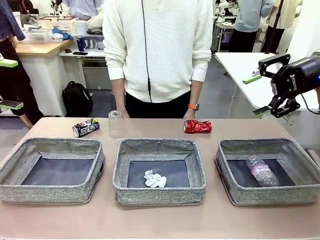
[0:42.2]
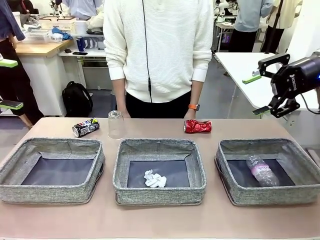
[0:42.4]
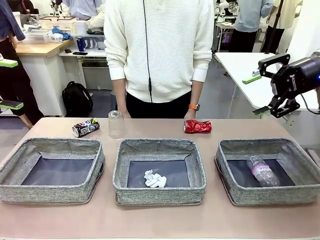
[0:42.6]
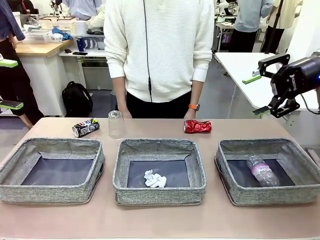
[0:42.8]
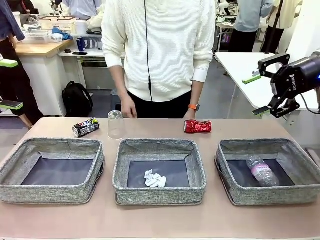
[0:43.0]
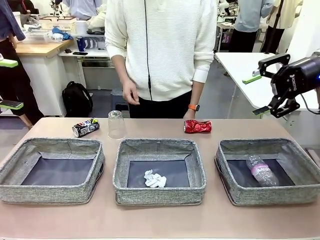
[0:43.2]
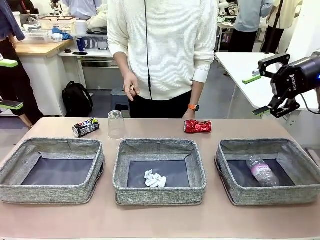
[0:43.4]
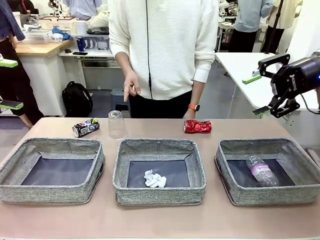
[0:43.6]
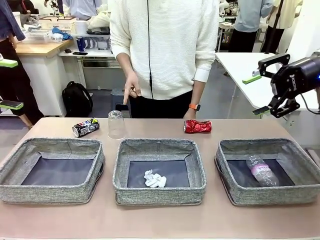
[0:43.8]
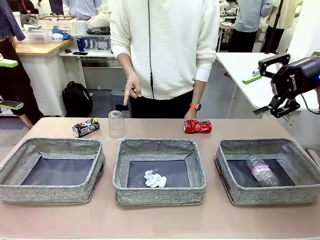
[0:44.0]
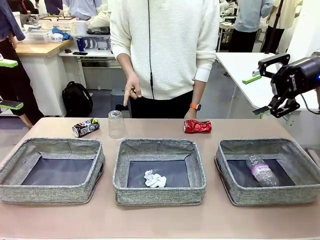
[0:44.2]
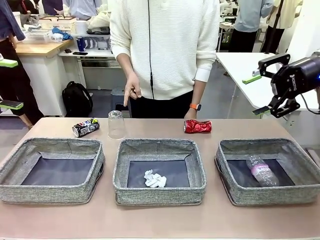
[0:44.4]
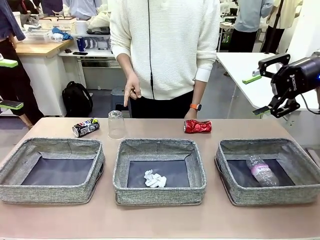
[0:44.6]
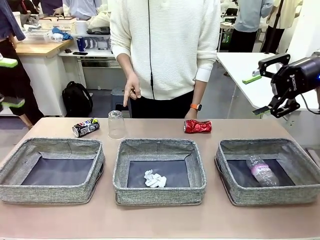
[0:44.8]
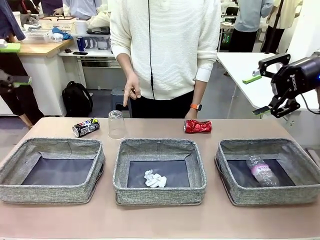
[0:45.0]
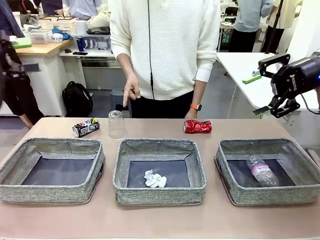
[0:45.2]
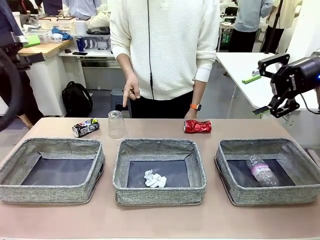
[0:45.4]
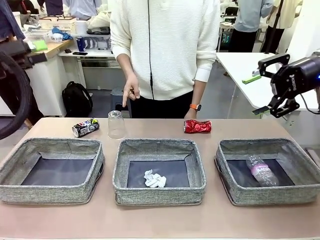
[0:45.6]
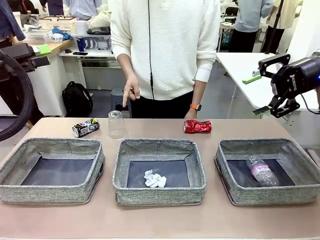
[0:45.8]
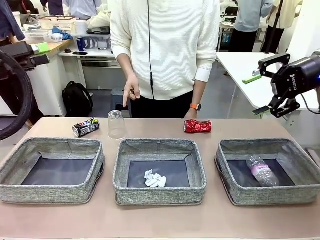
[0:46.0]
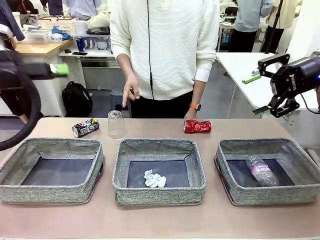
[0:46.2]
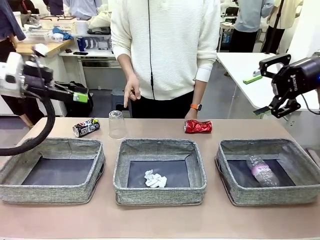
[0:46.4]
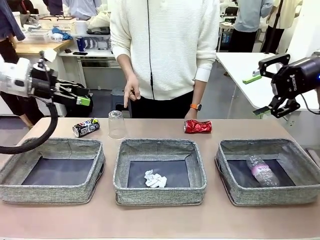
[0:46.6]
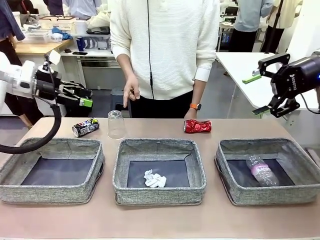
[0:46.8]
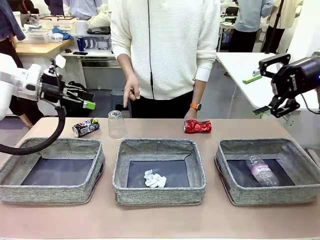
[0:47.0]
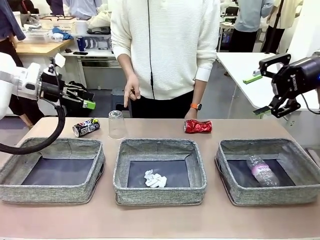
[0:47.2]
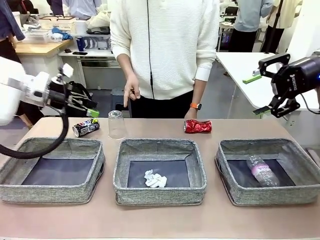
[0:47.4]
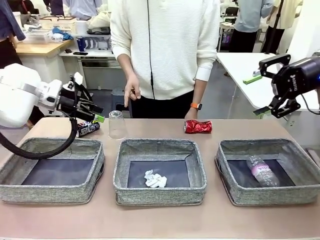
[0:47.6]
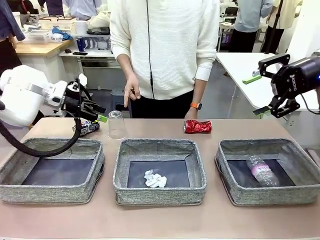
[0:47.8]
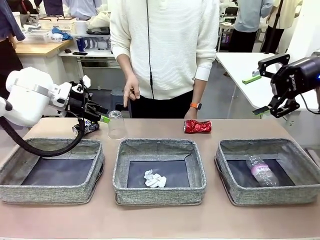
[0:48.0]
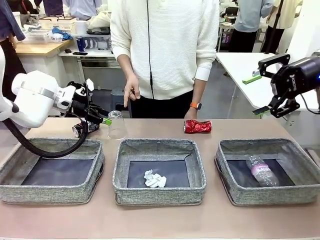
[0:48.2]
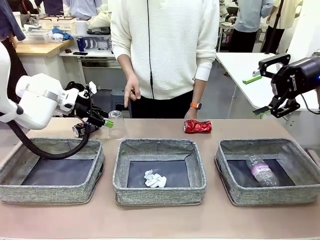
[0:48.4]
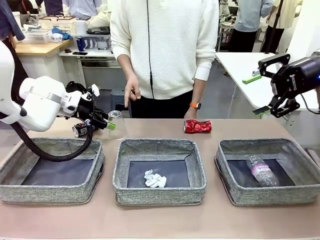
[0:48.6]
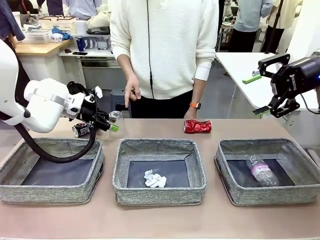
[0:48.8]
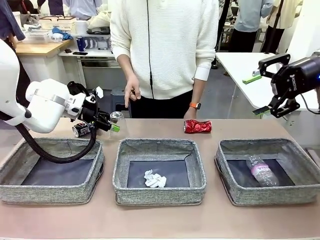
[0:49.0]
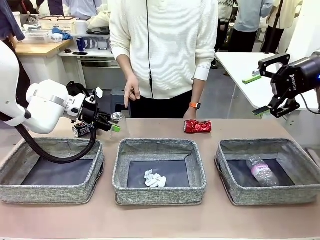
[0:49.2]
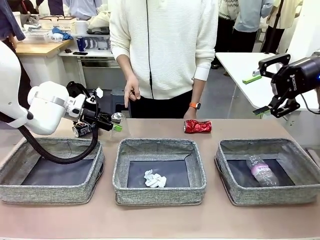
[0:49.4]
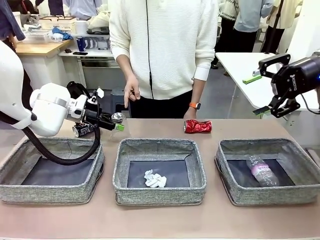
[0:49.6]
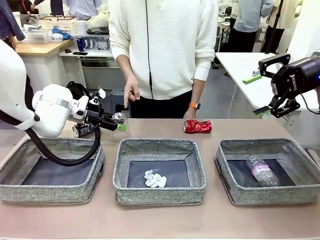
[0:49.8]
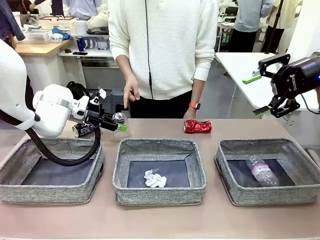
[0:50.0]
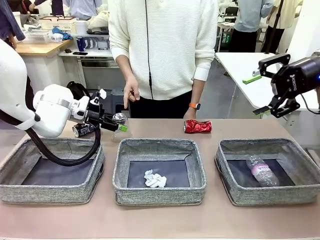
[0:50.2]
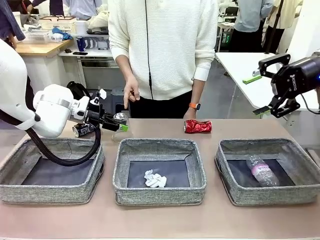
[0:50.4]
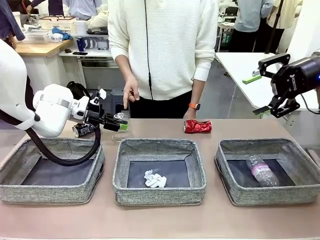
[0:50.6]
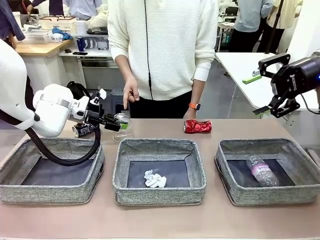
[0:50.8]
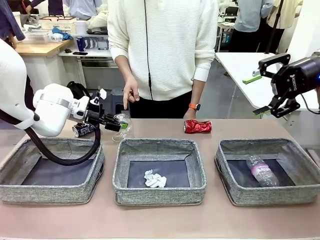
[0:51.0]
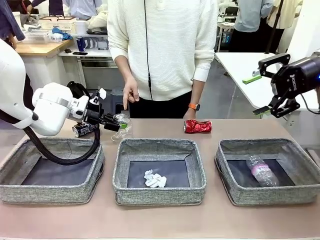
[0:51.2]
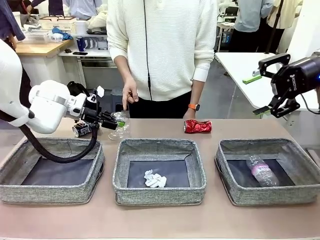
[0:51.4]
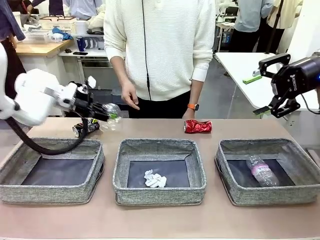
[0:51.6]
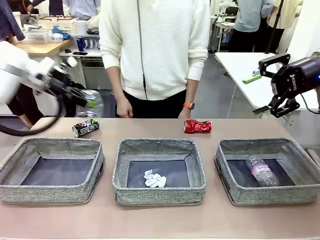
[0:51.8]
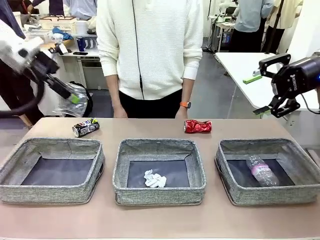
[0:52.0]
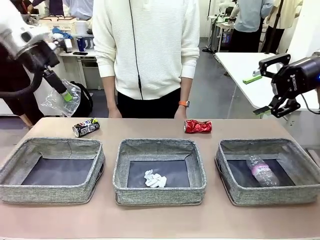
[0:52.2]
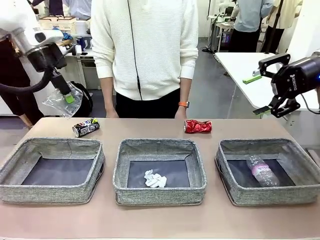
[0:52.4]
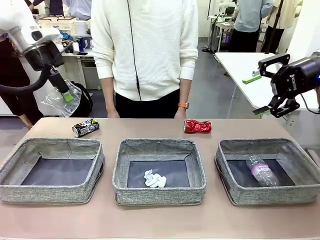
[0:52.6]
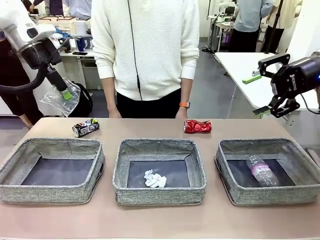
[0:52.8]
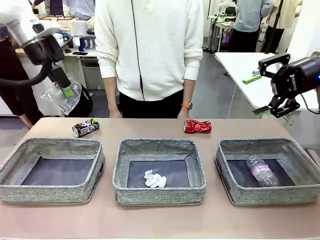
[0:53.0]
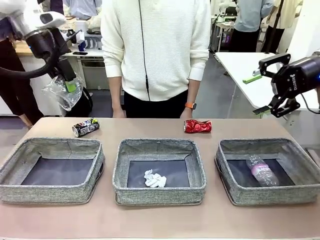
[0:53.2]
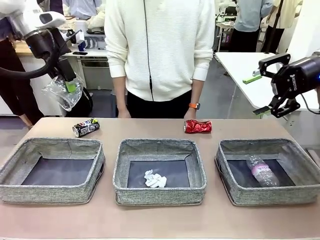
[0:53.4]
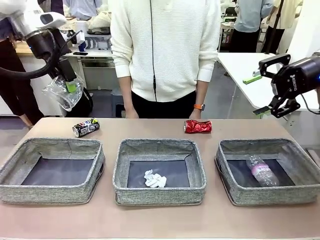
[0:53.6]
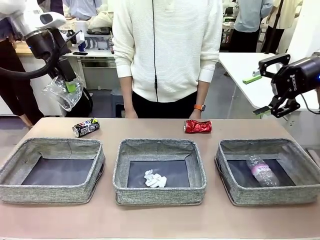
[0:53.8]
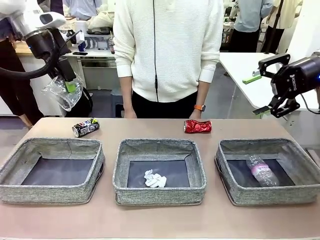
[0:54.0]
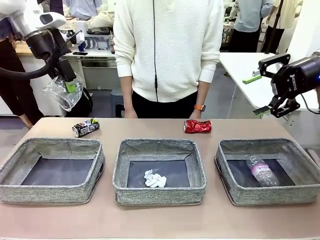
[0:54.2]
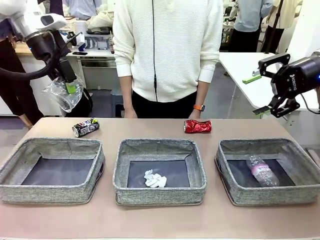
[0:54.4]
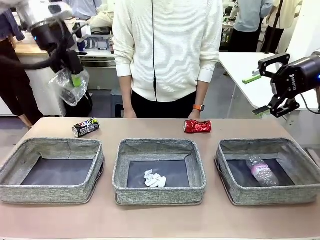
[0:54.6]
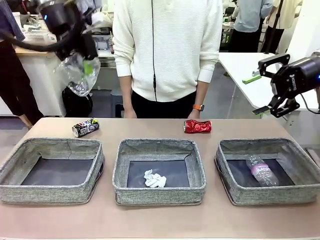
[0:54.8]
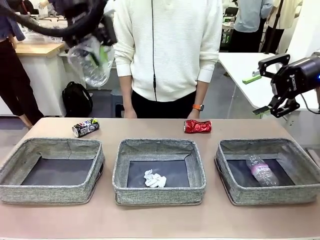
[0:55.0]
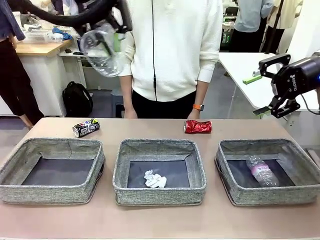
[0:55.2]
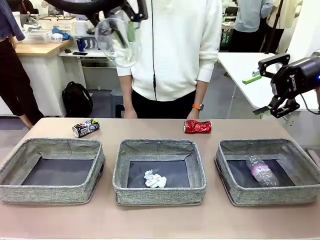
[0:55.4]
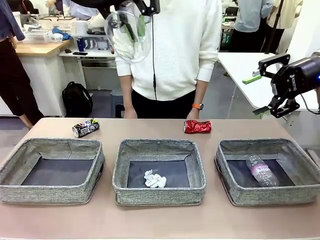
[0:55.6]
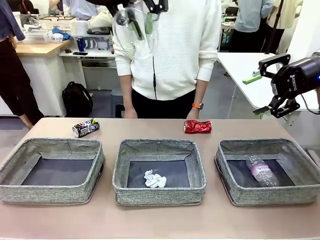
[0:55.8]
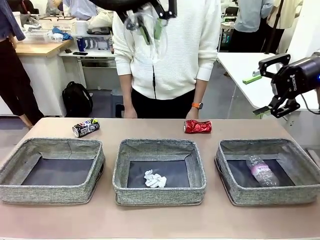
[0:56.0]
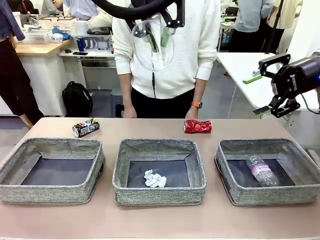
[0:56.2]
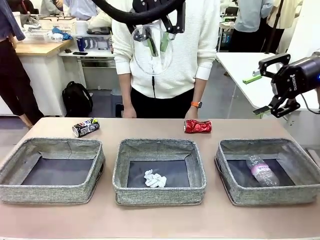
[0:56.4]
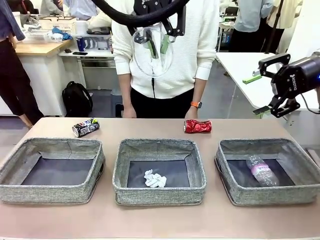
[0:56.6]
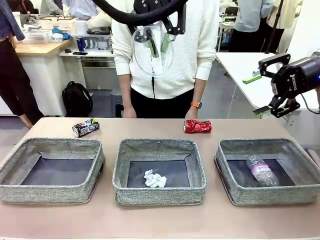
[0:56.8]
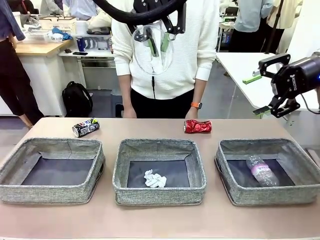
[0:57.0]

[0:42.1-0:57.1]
Task: Sort the waste into the appropriate baskets.
Robot: Pick up the waste item pointed out by the person.
Person: Points to one piece of trash on the table.

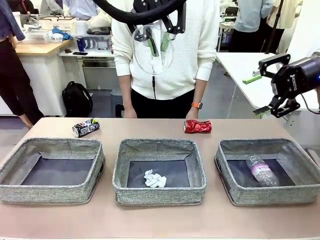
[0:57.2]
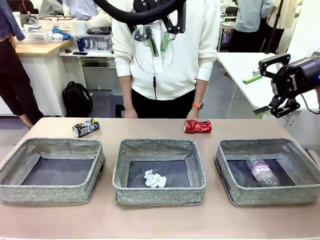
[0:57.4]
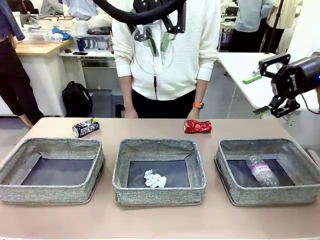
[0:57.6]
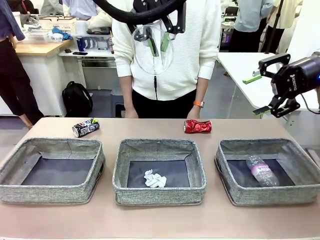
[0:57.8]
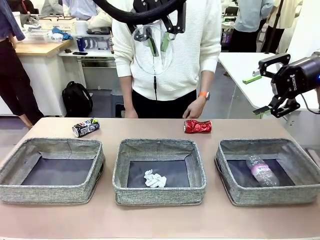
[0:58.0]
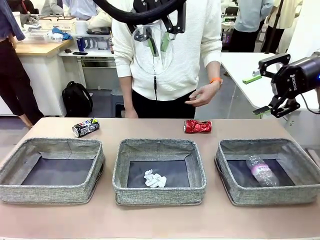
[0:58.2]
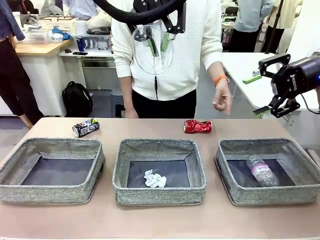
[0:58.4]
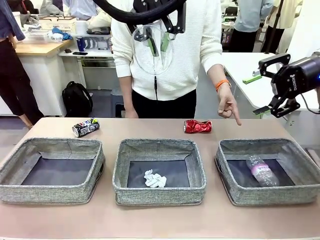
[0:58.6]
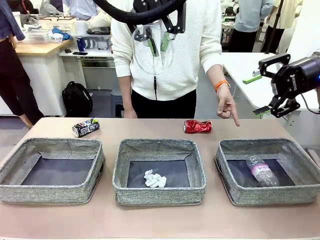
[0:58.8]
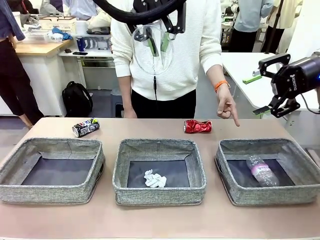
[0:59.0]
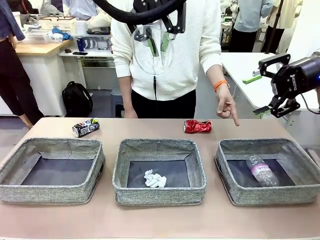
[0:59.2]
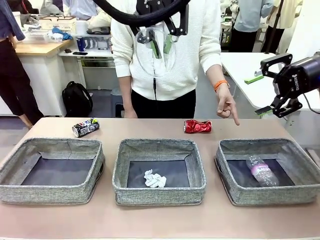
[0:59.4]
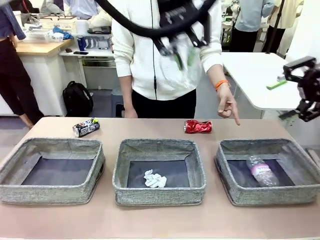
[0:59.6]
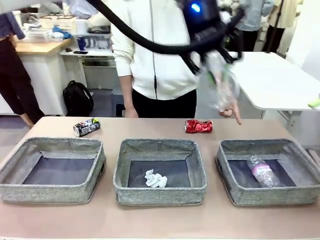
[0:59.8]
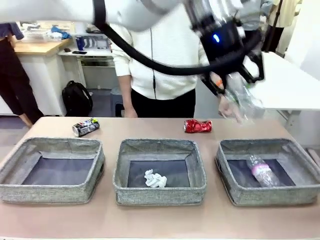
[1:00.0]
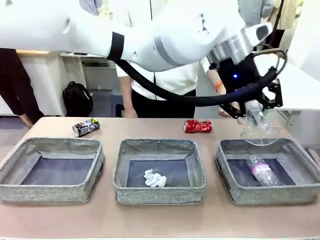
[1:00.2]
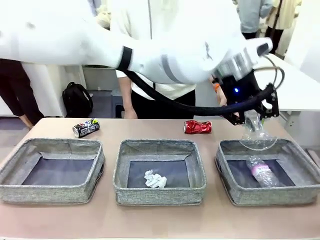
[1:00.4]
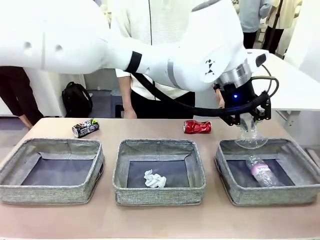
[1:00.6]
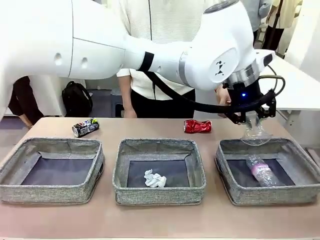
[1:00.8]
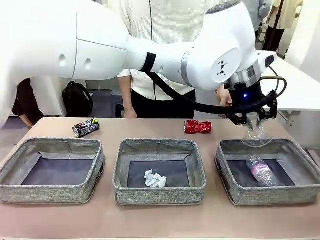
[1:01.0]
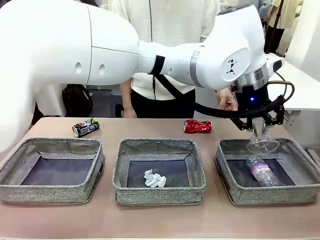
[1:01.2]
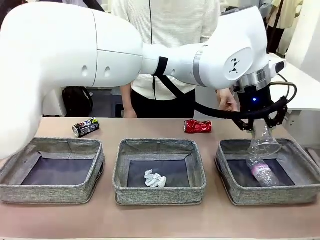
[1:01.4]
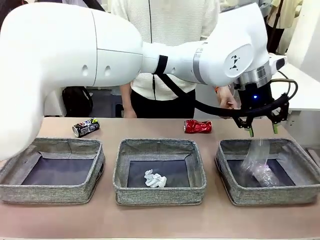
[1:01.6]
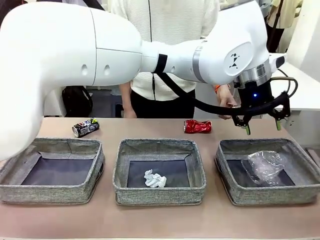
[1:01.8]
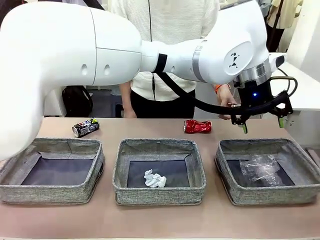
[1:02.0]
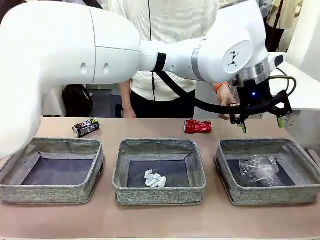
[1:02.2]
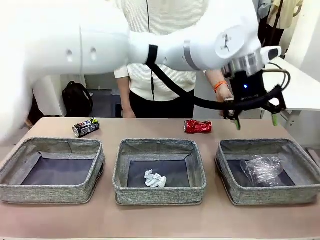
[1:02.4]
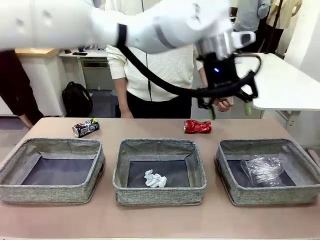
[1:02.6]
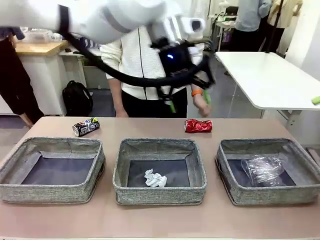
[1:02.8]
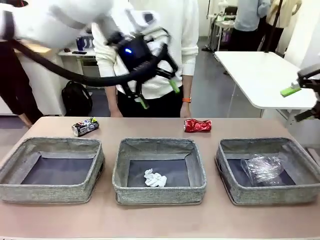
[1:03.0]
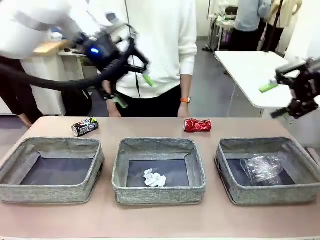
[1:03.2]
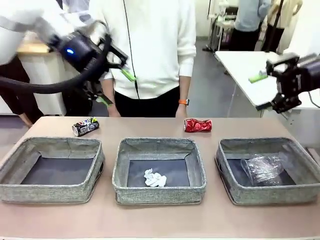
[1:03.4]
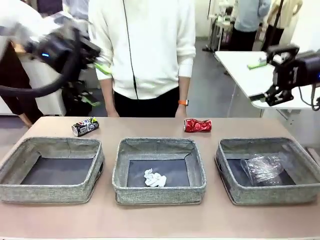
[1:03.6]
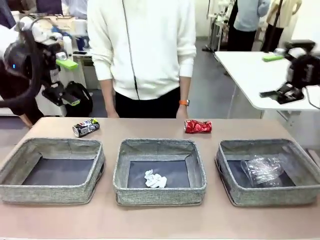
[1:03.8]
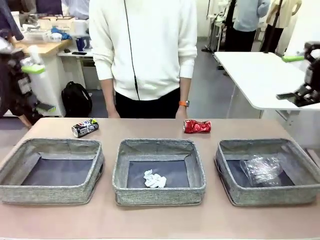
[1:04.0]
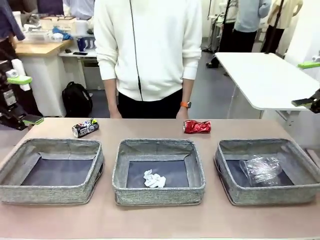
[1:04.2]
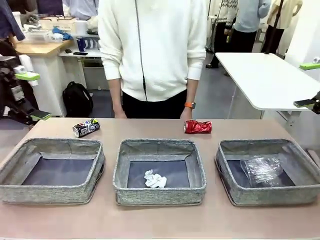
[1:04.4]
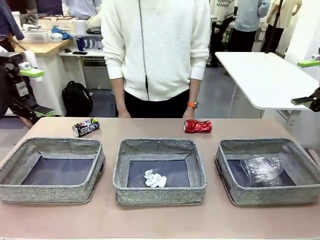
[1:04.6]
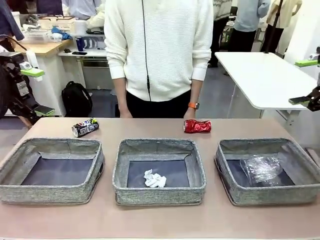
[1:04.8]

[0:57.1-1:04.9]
Robot: Place the picked waste into the Fabric basket indicated by the person.
Person: Instructs the robot to place the picked-up trash into the appropriate organizing basket.
